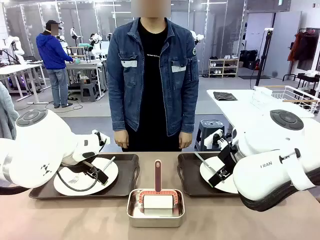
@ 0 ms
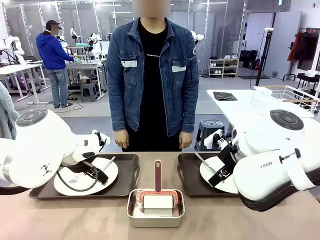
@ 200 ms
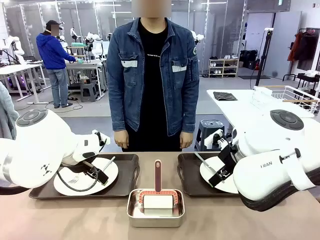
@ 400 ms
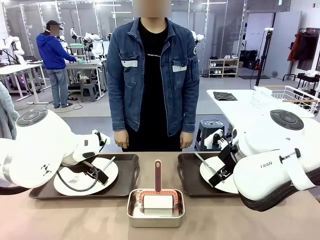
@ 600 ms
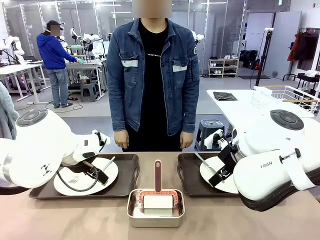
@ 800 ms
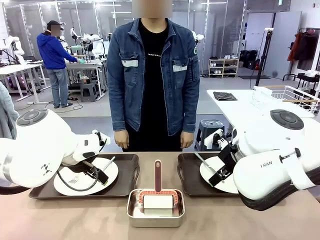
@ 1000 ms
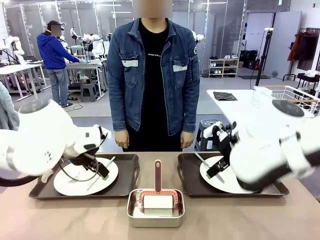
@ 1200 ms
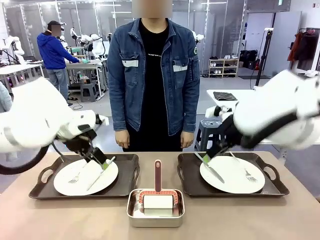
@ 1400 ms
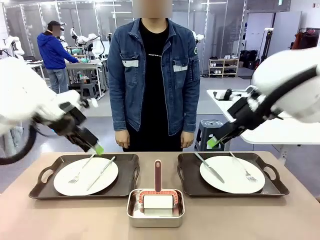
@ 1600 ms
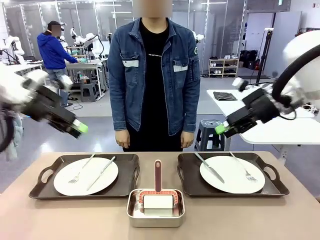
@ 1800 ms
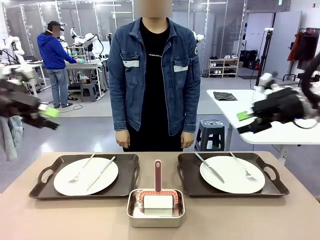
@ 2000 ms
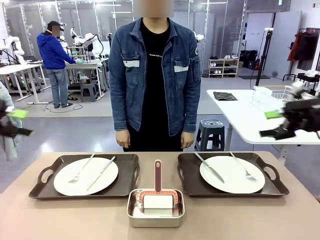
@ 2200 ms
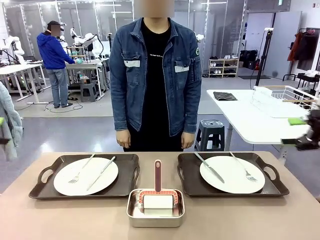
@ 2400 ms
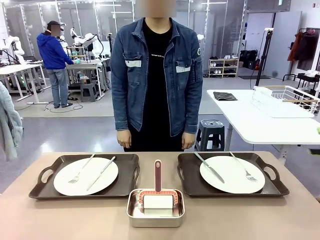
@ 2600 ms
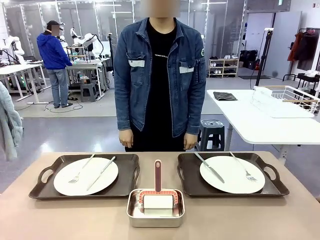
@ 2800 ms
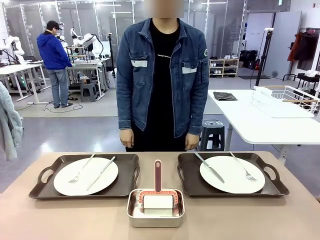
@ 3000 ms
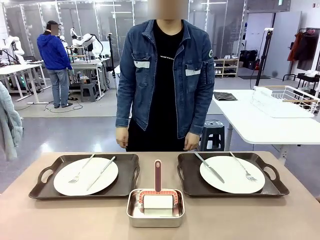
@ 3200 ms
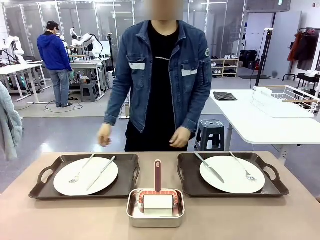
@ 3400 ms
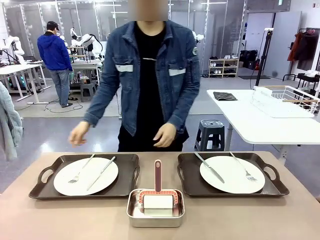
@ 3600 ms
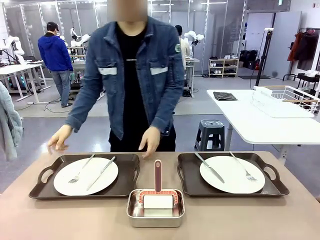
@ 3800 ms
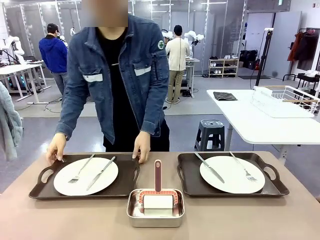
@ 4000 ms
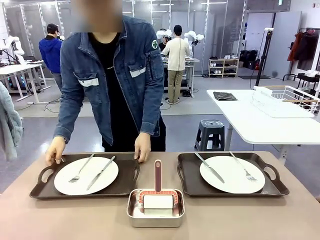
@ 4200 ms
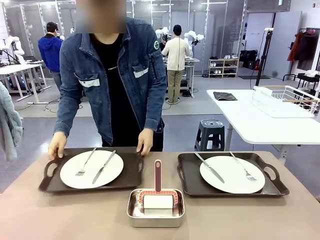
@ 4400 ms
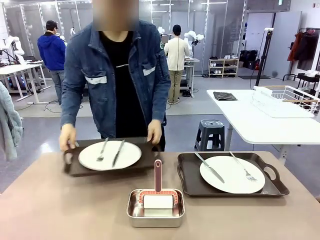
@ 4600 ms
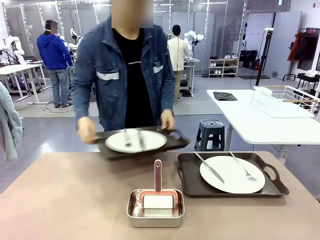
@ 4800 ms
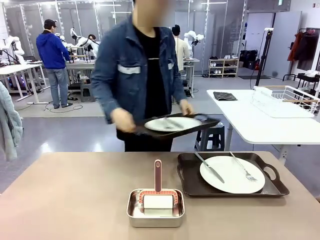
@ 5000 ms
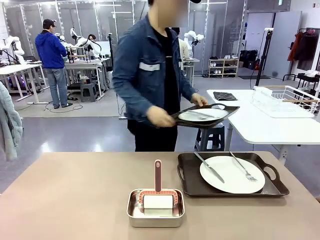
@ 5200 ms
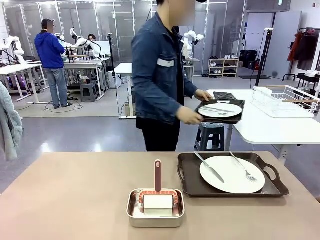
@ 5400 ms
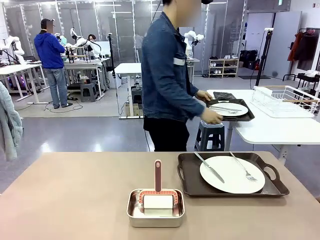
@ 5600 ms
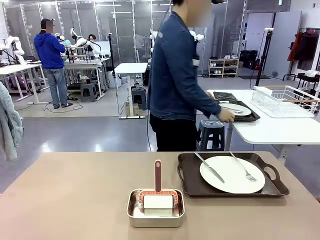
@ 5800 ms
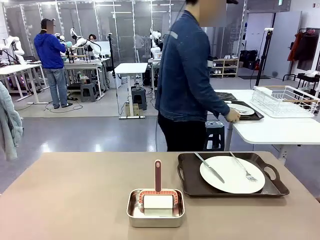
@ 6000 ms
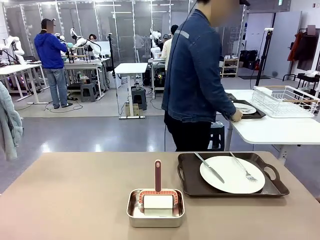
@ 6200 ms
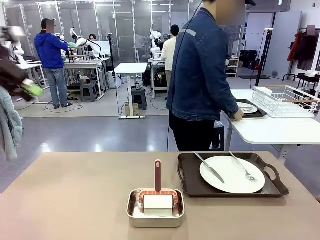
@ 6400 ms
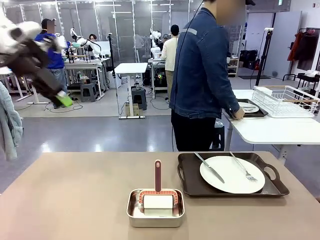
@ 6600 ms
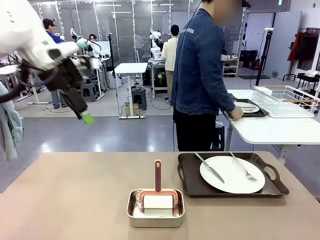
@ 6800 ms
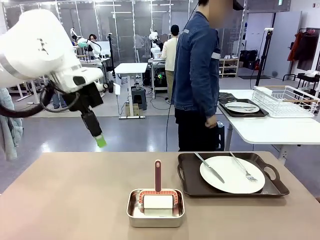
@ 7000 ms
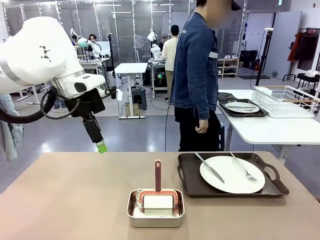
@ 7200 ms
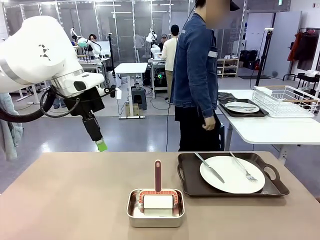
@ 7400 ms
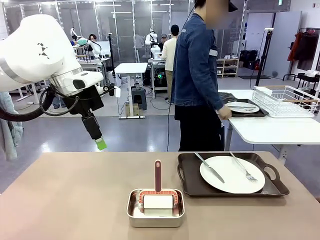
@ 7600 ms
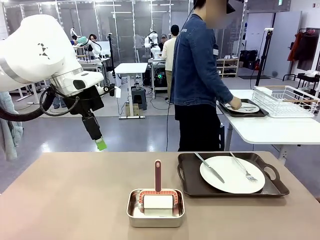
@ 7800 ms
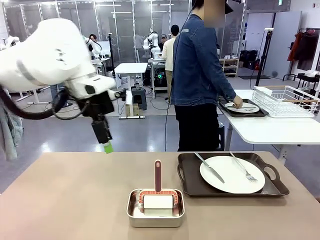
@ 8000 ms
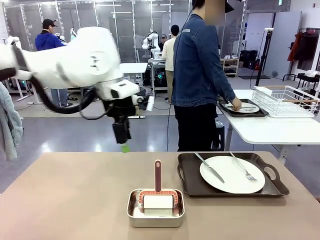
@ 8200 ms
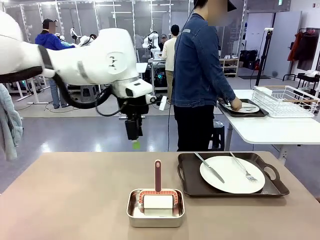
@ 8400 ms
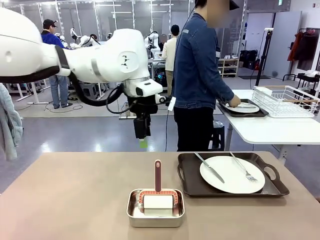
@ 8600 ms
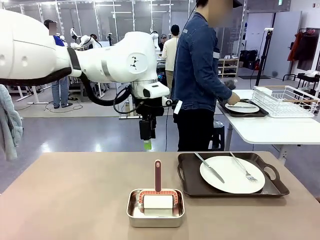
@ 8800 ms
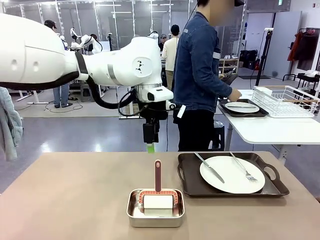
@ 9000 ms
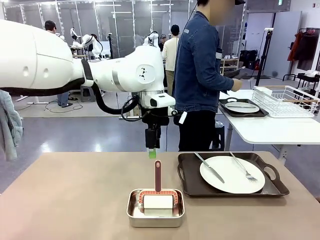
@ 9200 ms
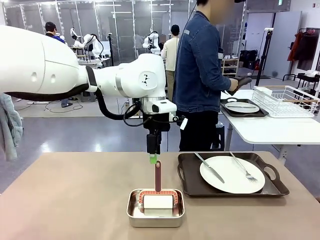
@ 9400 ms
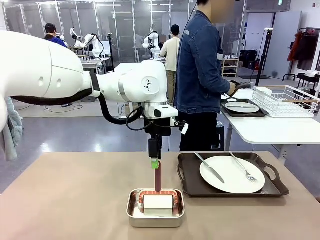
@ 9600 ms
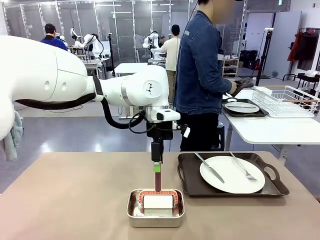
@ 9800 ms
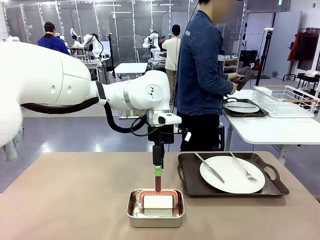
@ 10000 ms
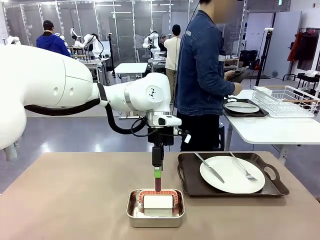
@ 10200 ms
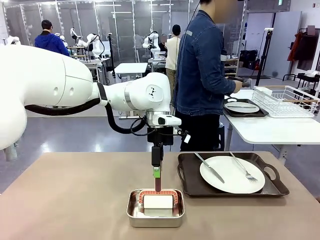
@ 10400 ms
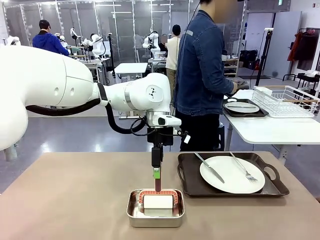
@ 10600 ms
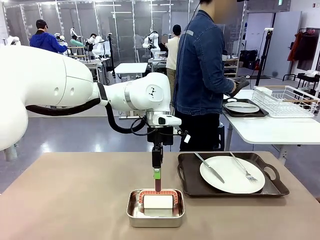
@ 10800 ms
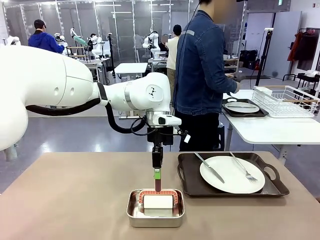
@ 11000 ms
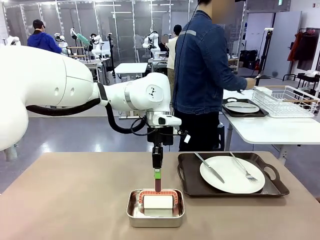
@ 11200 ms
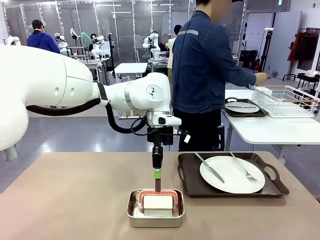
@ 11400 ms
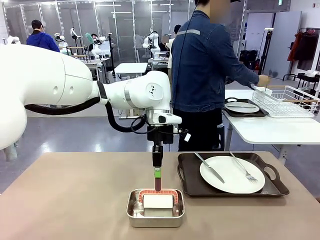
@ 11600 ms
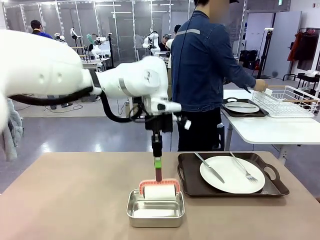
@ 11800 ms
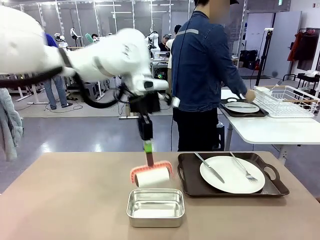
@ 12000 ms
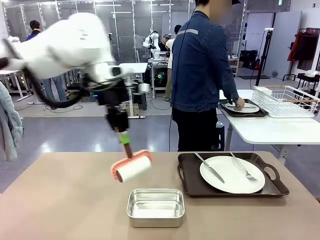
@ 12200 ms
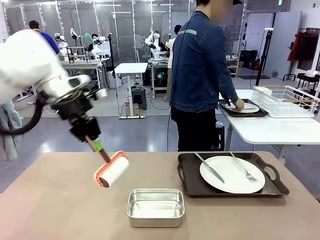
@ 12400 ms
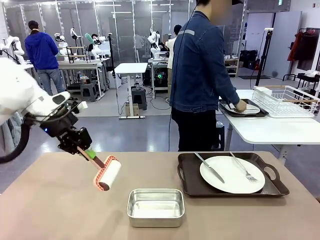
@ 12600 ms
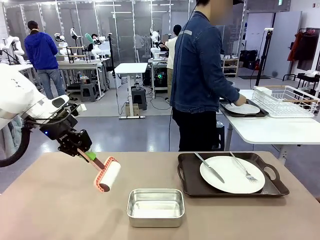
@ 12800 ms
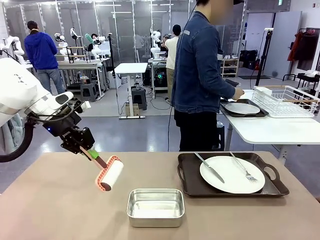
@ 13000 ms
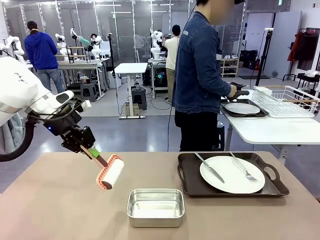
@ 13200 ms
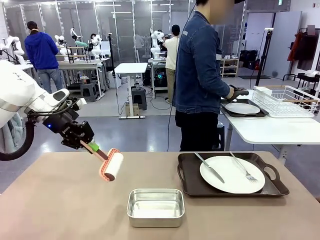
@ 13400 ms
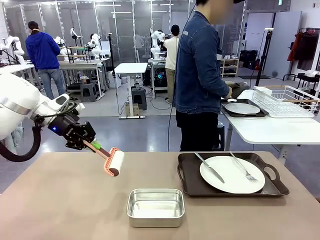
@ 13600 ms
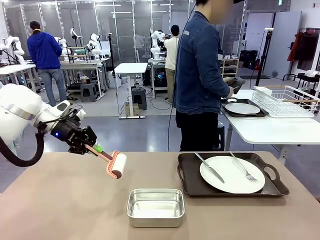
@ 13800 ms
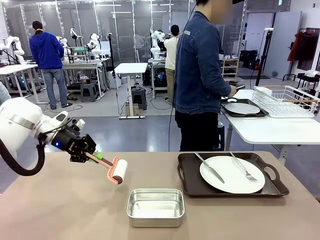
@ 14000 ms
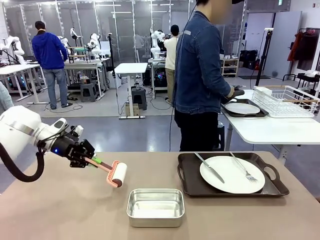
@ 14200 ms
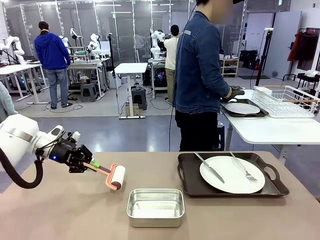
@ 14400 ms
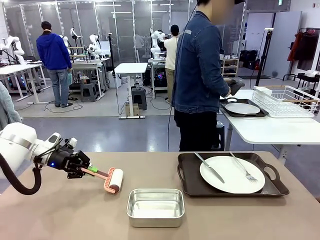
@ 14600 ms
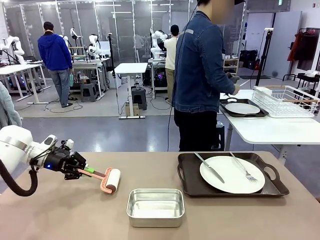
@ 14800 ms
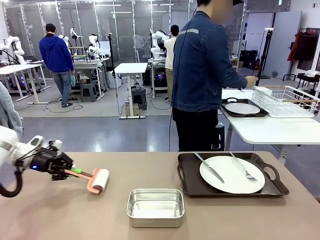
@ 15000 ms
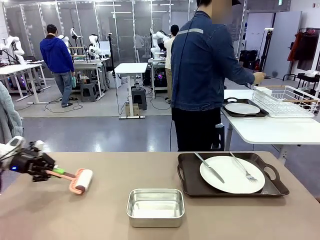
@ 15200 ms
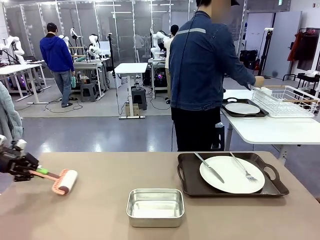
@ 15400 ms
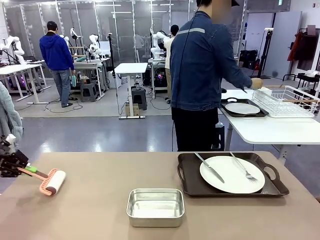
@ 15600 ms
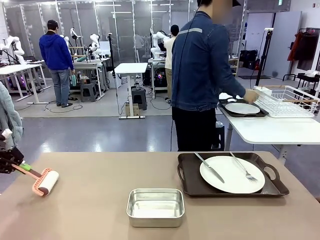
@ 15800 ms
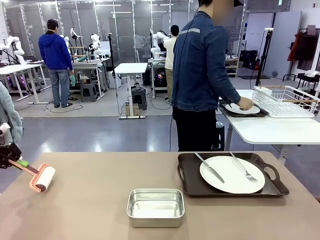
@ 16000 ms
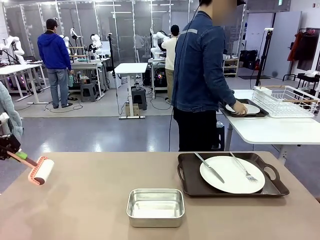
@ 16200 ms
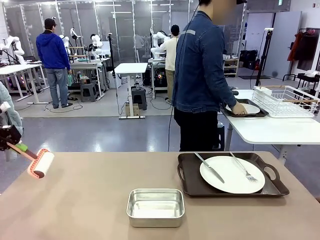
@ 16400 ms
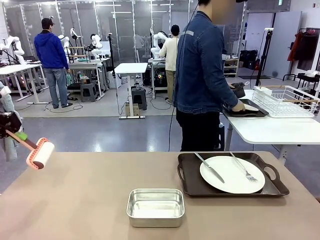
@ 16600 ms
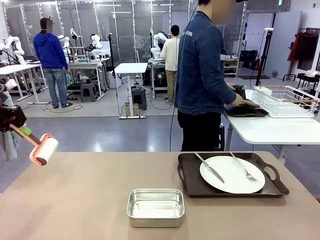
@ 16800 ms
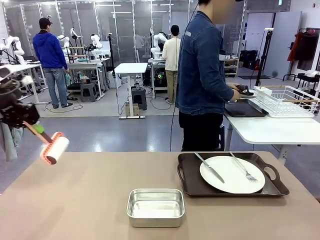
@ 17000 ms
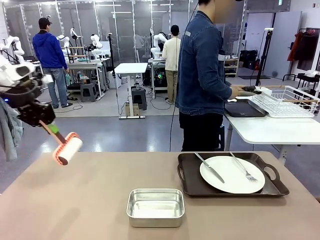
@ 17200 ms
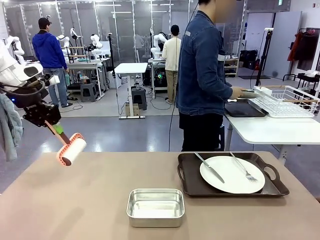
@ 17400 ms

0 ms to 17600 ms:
Robot: When the left (or right) Handle tray is removed, use the left hand (or right hand) to clean the left (or right) side of the table with the Lint Roller.
Person: Pick up the left (or right) Handle tray and place it on the middle of the Human's table. Use the Towel with hook to wipe the Plastic Matte Plate , Fork , and Knife and place into the Dish drying rack.

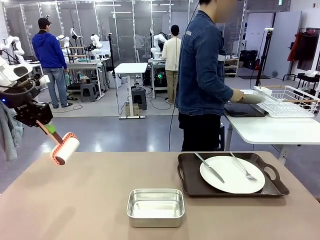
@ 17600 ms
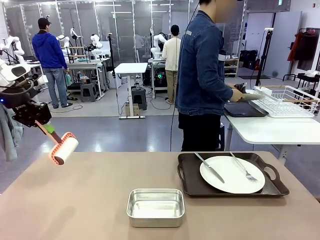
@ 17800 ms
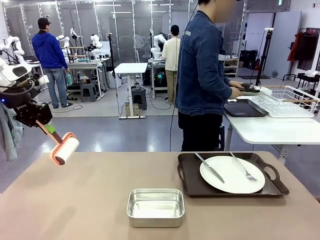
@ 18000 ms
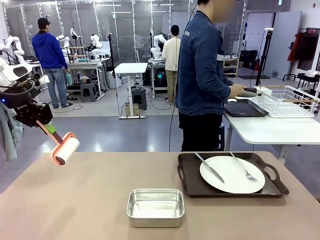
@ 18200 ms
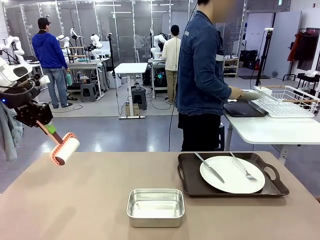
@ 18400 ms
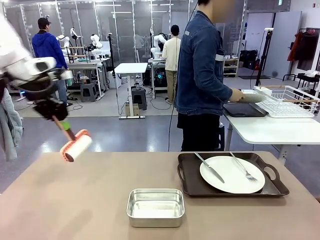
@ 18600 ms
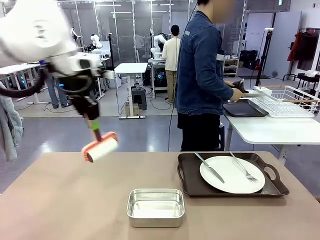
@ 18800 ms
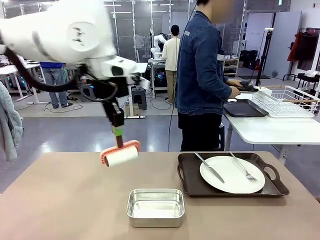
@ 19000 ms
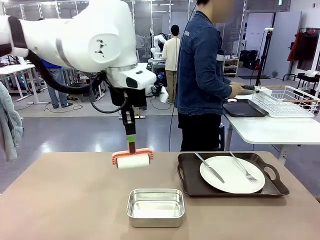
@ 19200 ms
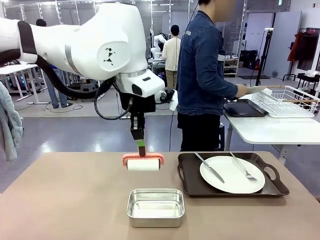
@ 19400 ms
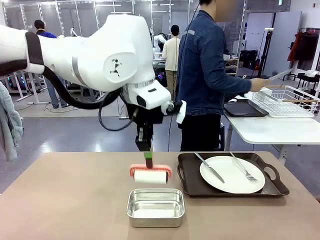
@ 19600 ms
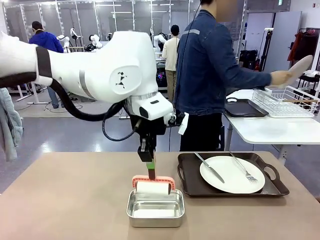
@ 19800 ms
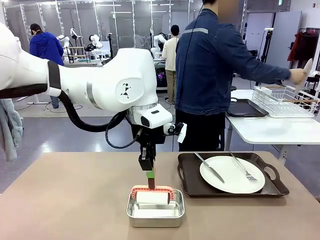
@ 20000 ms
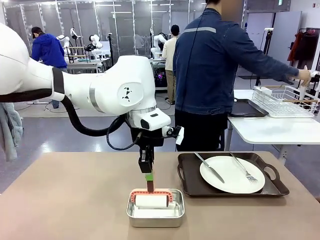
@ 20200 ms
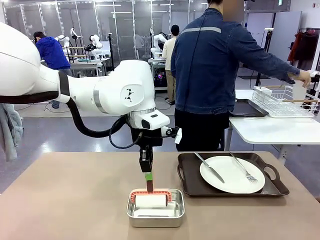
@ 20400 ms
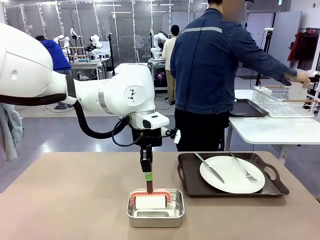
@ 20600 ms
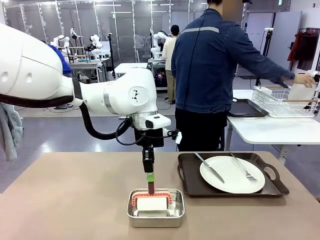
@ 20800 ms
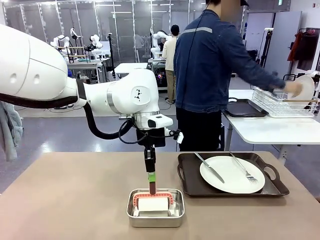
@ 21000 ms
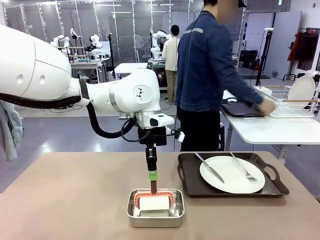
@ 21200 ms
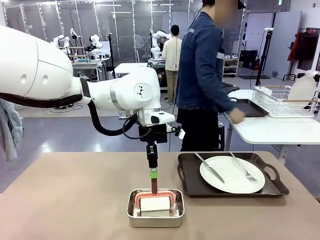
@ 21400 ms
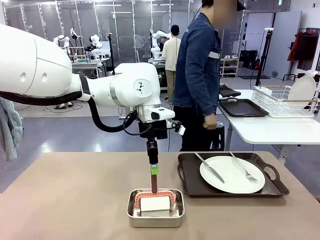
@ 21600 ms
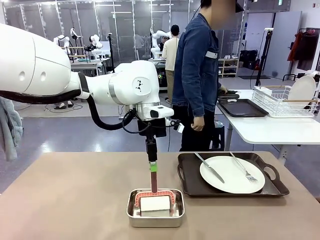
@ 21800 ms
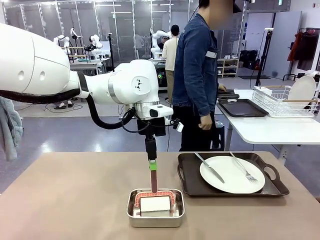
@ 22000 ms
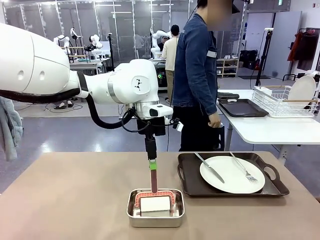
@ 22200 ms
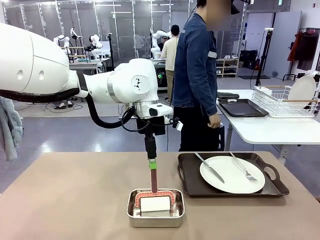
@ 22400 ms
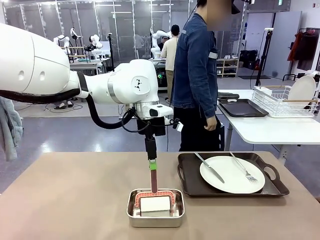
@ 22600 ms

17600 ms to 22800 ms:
Robot: Place the Lint Roller back on top of the Airtight Container.
